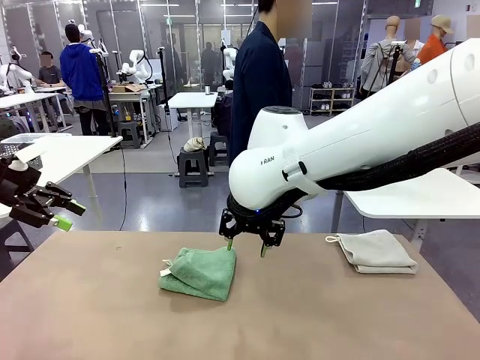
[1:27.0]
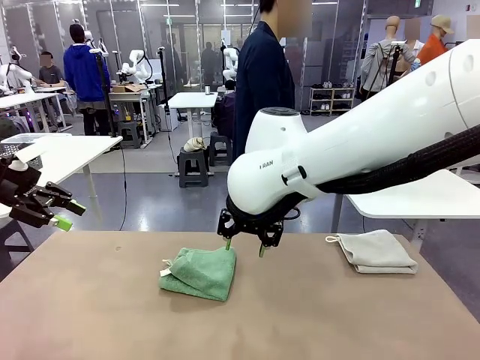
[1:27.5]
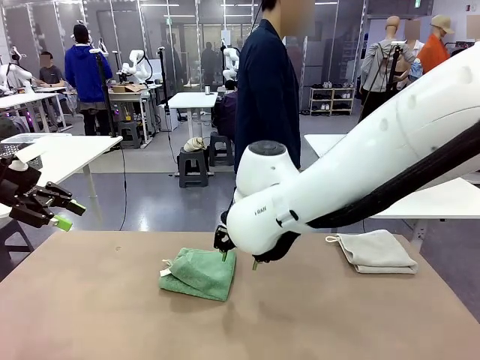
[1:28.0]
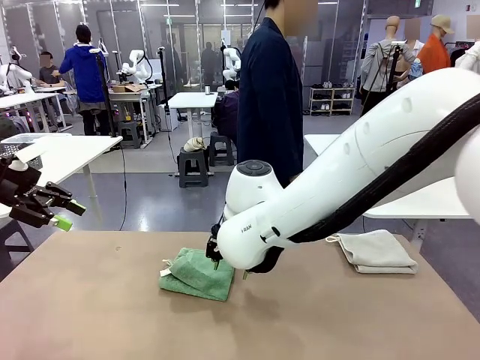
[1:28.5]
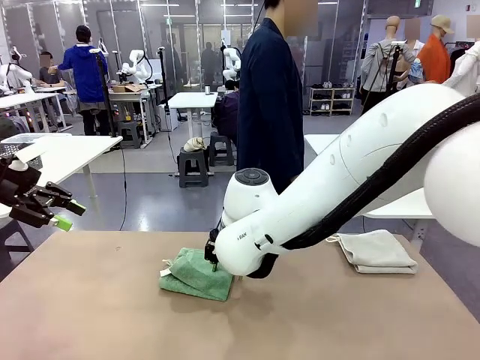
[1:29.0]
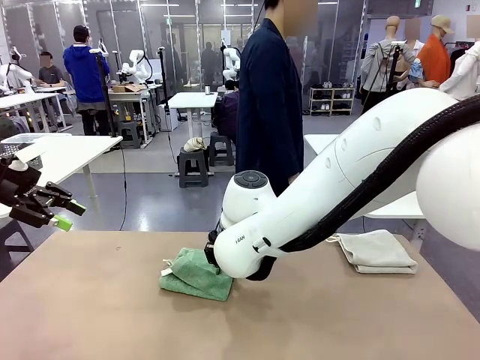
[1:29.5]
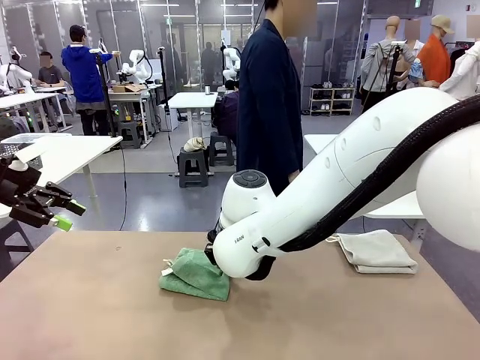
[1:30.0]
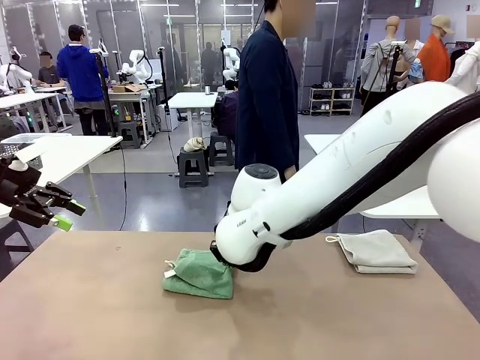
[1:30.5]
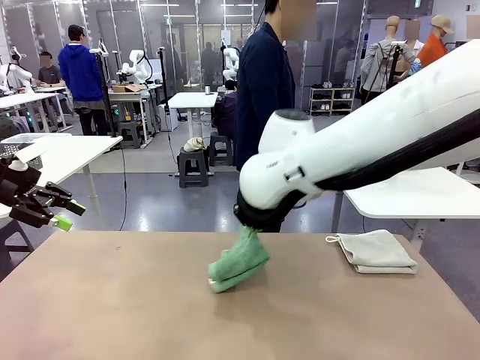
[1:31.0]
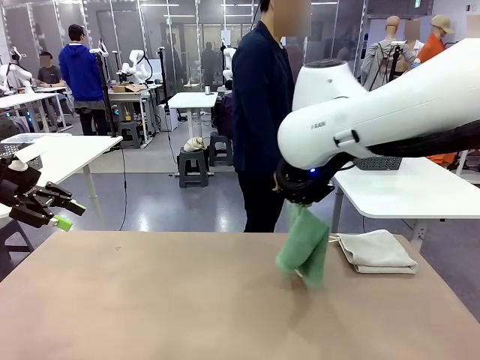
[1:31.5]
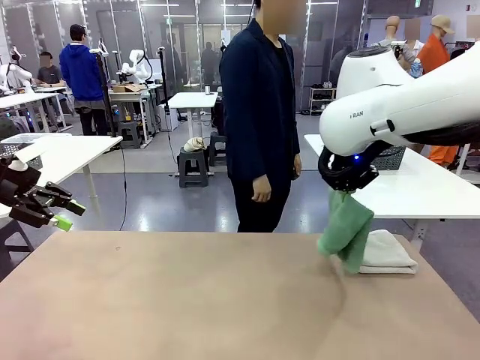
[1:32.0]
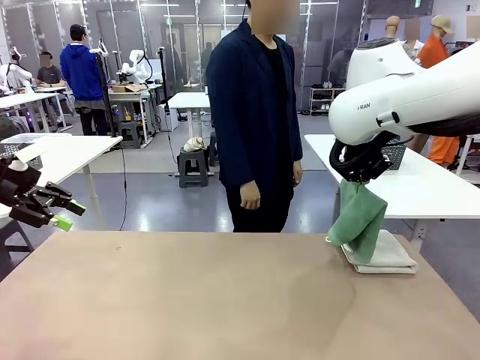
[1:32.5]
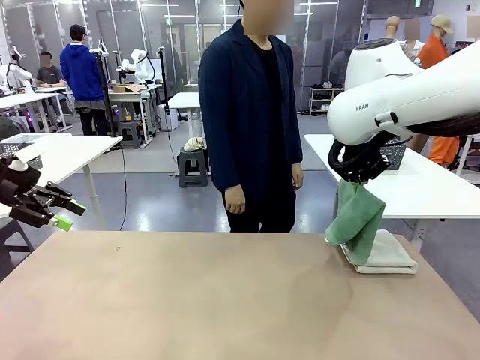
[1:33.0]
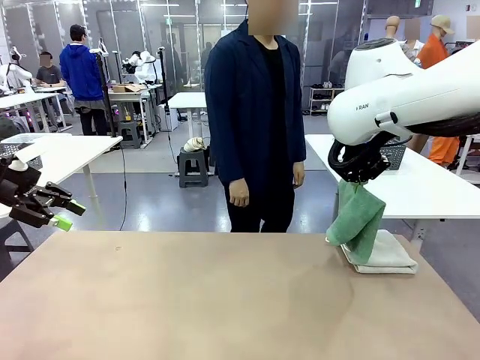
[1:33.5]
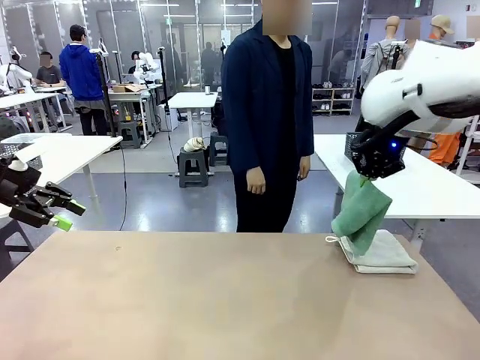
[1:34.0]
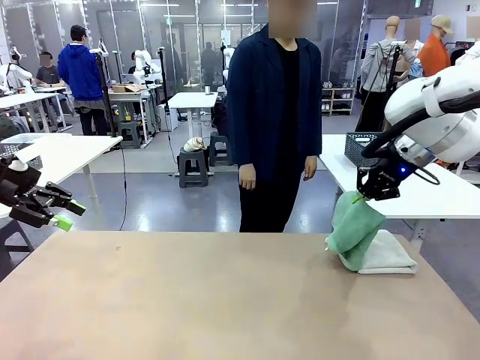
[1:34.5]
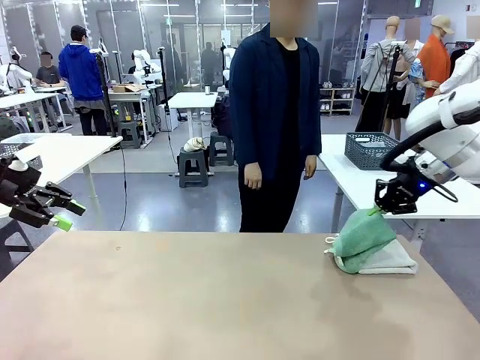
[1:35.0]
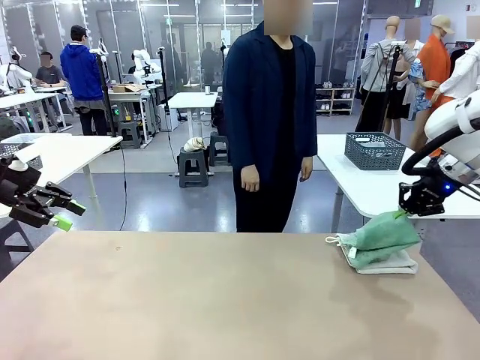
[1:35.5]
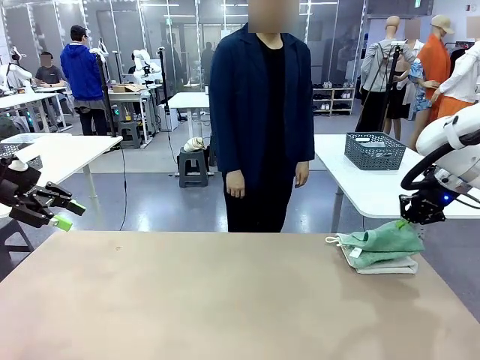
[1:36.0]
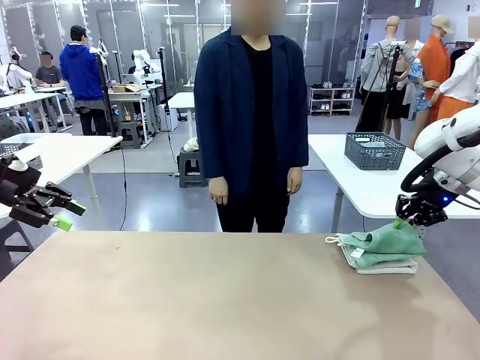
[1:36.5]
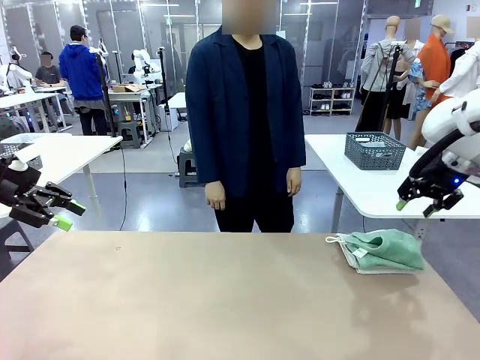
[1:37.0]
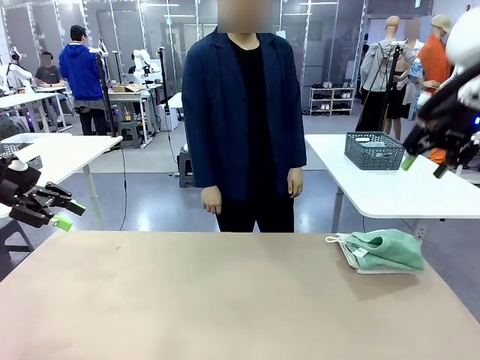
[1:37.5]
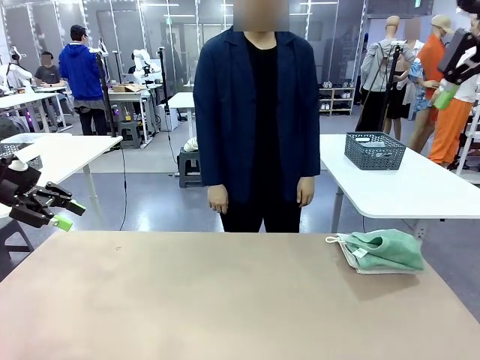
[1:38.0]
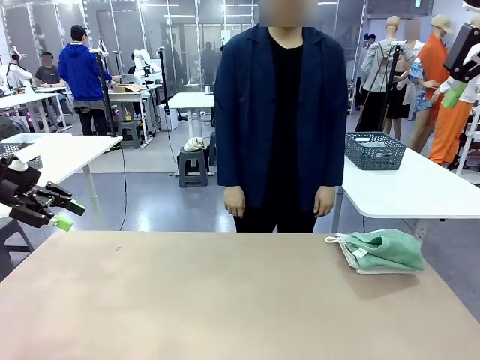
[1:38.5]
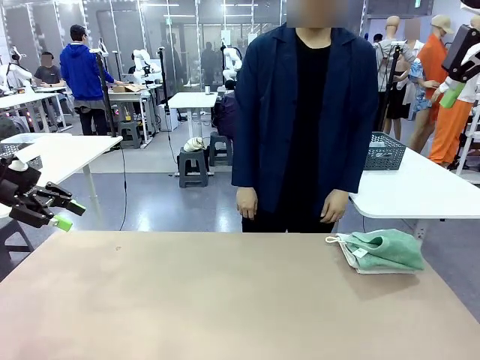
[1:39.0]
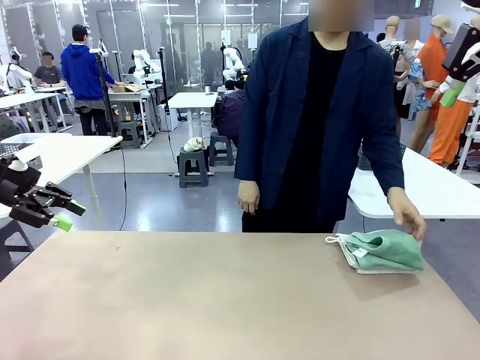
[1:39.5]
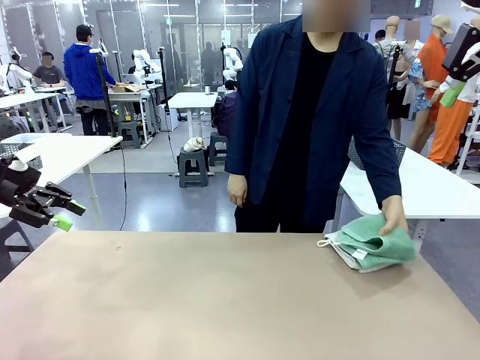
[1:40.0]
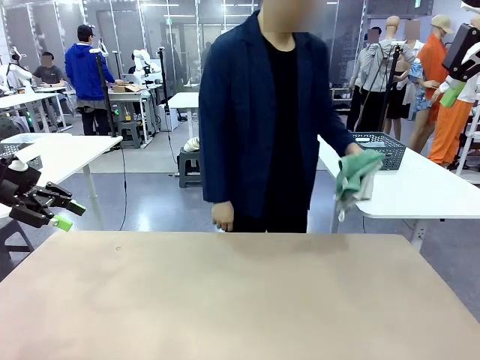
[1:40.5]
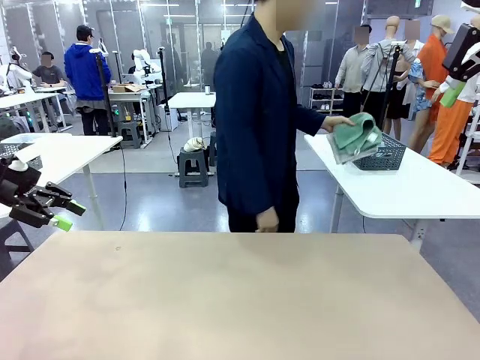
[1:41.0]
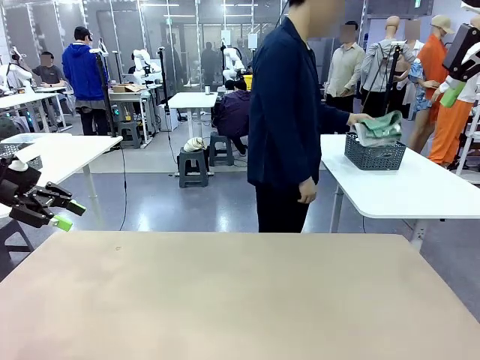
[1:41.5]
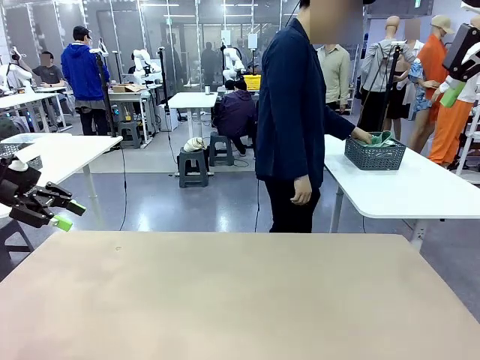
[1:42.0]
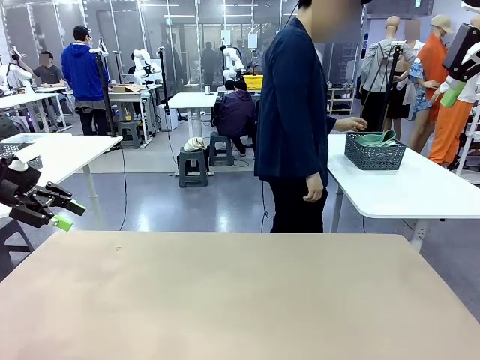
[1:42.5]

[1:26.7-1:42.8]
Task: Fold the towels and place them in the basket.
Robot: Stack the folded Towel with hook on the right side of the table.
Person: Pick up the stack of towels from the robot table and place it into the basket.

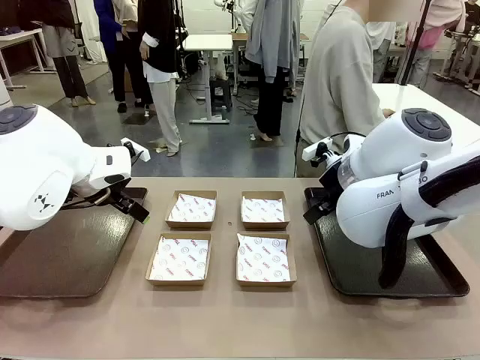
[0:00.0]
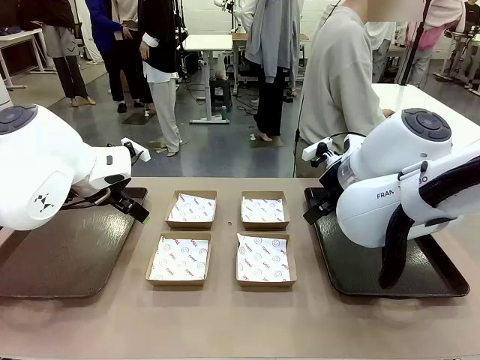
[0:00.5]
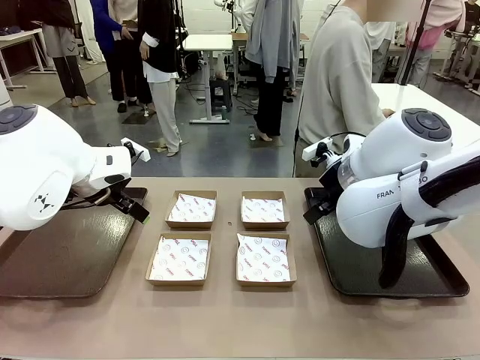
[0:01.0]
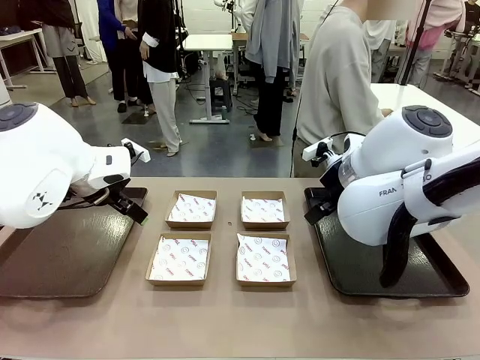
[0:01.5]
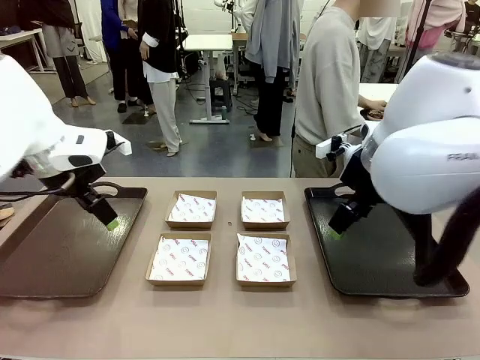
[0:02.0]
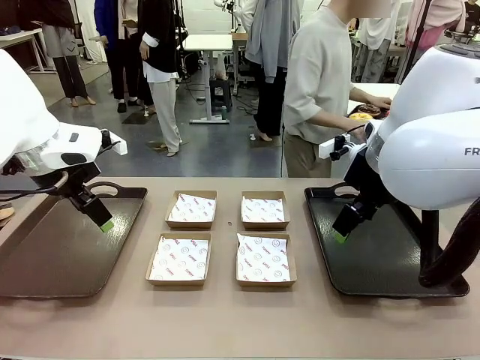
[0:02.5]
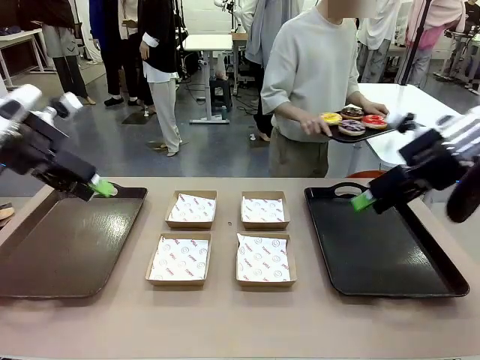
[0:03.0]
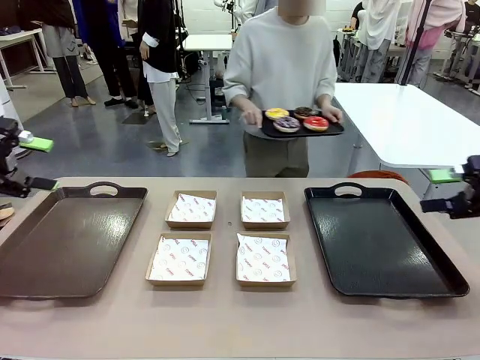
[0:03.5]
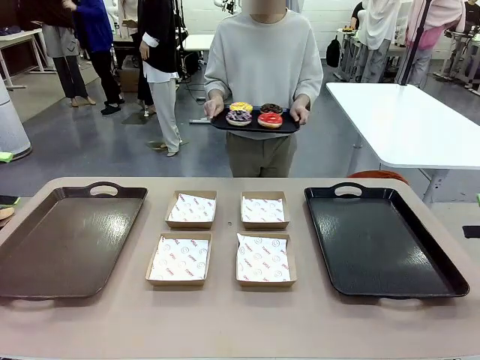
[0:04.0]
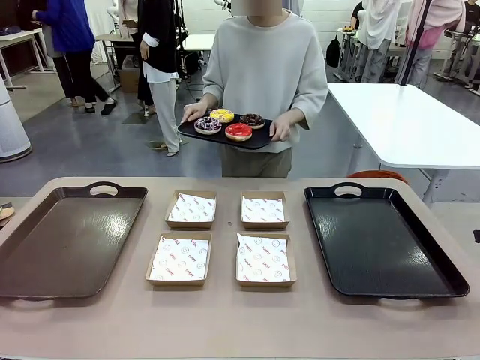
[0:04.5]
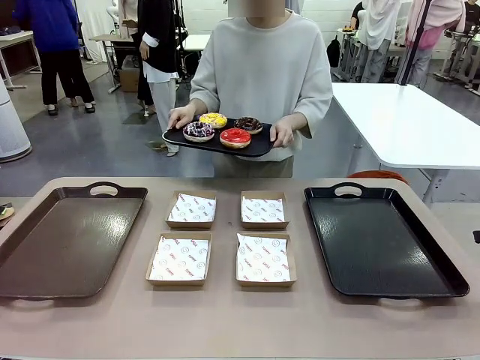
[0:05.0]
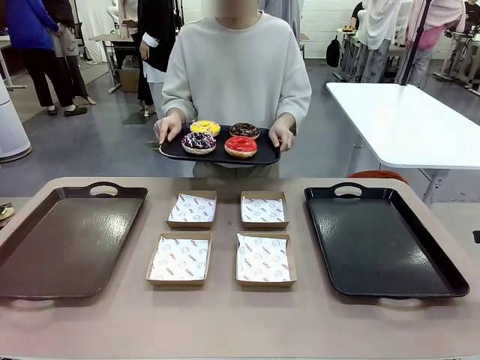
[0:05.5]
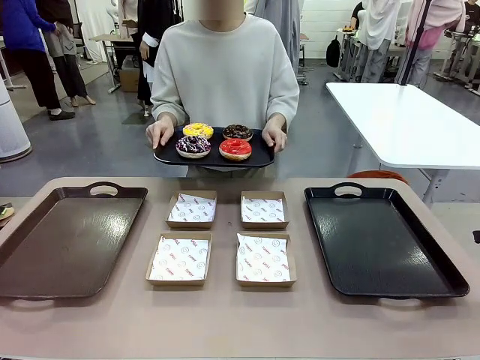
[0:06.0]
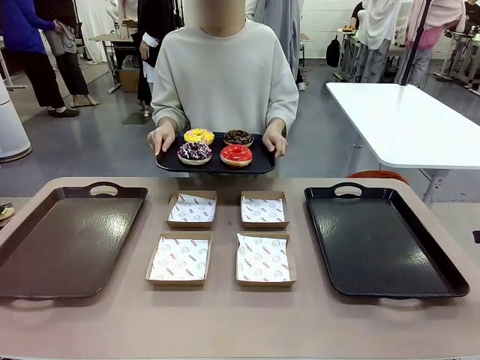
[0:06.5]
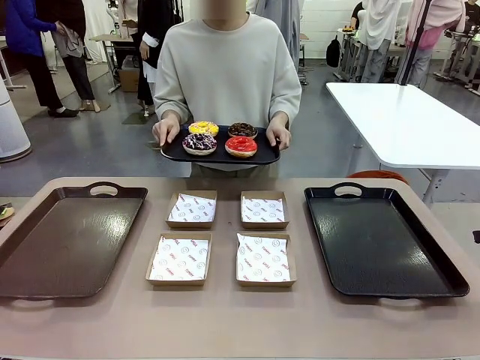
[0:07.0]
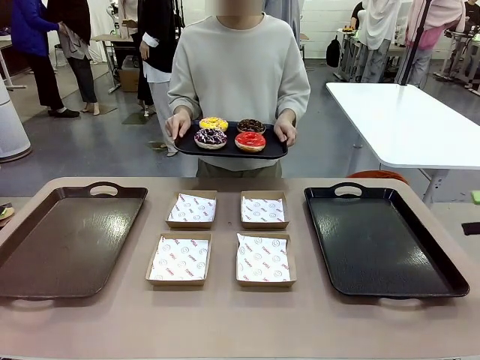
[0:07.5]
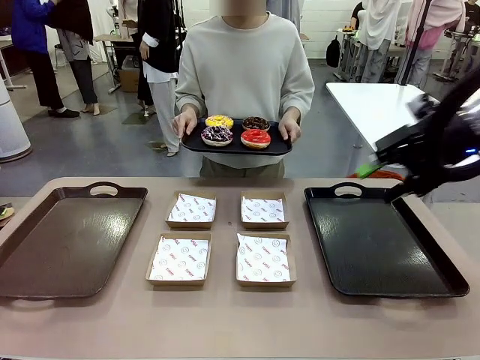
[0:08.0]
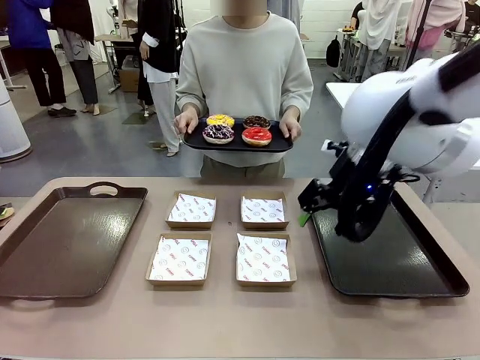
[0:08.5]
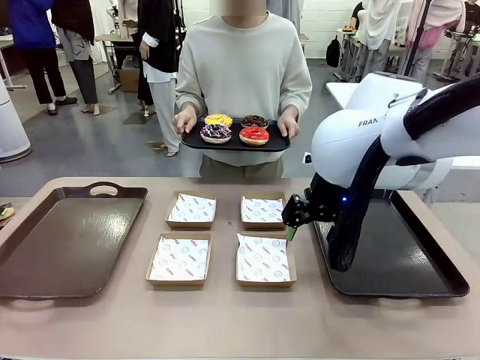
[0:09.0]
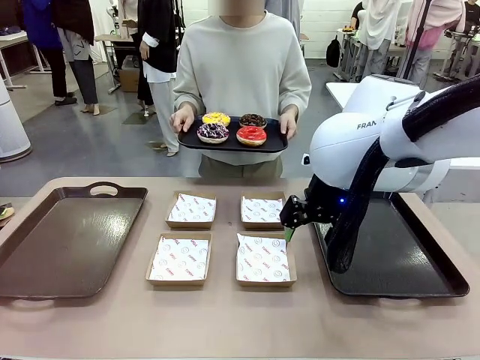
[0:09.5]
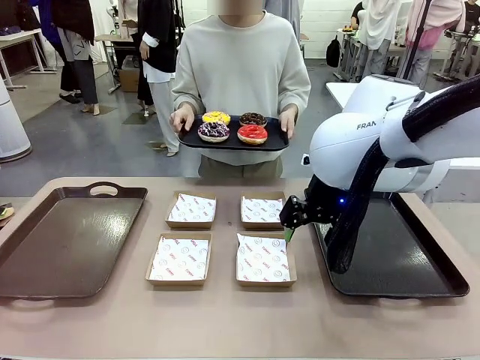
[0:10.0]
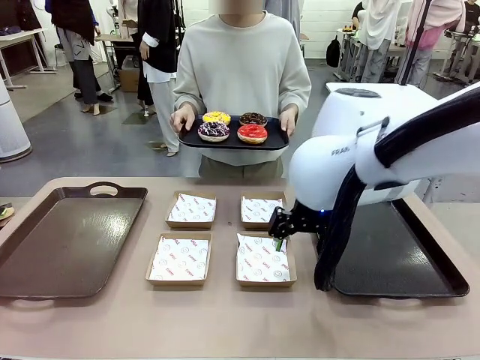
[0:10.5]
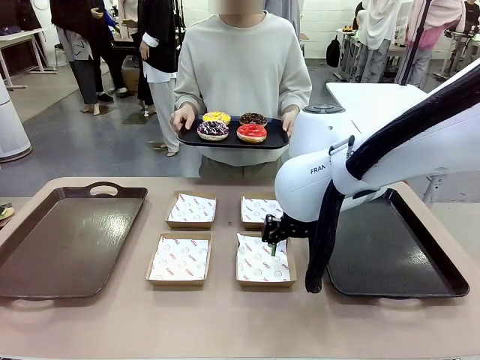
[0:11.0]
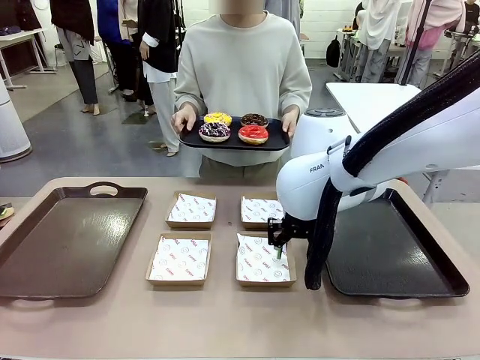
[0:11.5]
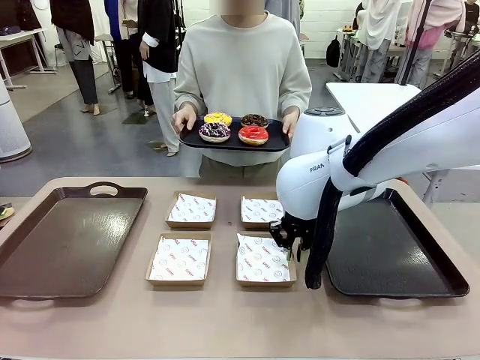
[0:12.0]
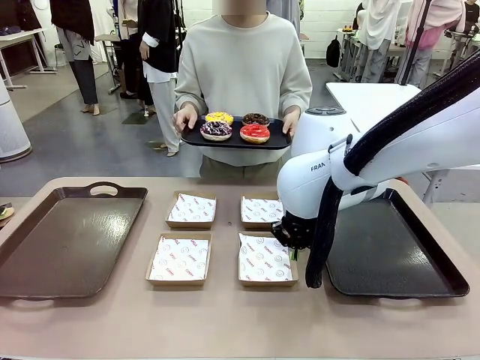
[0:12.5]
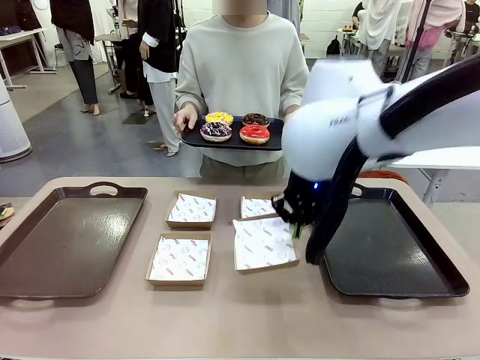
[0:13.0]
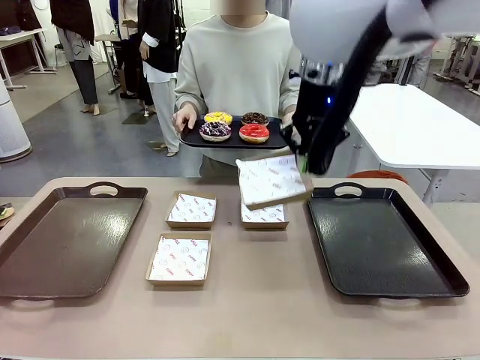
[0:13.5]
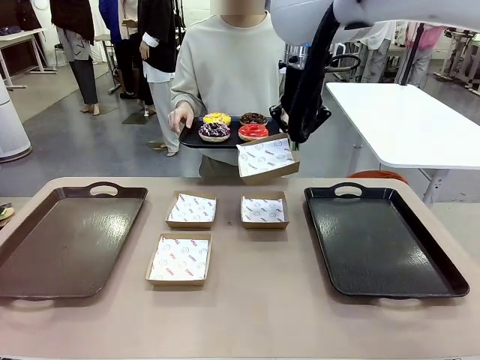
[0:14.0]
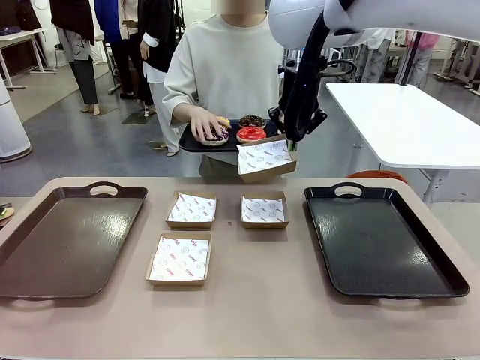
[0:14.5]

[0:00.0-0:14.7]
Task: Individually package the donuts and arrange them on the tray.
Robot: Pick up one Paper togo box.
Person: Stand in front of the robot table holding the tray containing the donuts.
